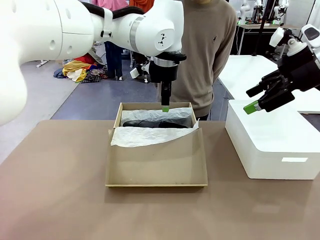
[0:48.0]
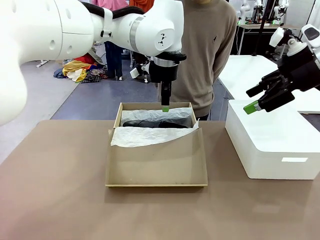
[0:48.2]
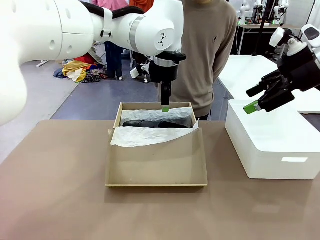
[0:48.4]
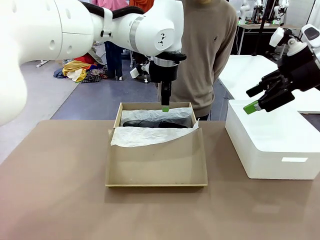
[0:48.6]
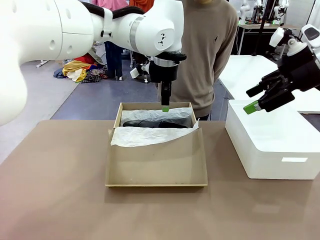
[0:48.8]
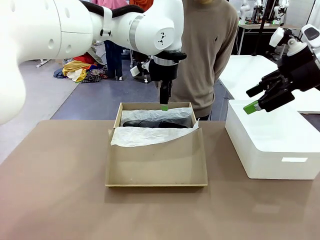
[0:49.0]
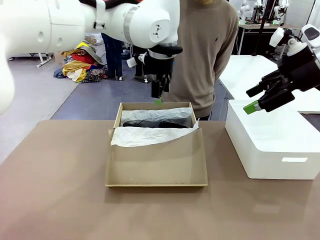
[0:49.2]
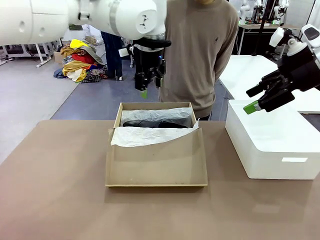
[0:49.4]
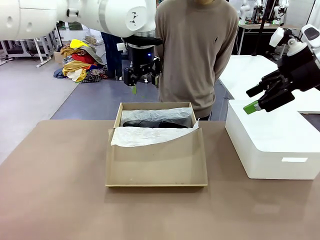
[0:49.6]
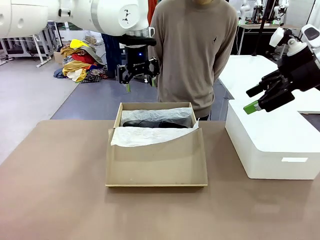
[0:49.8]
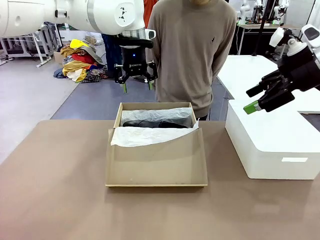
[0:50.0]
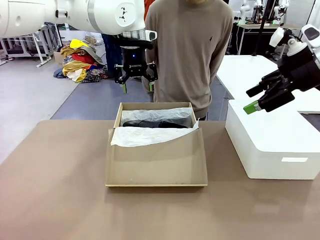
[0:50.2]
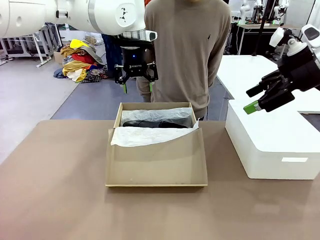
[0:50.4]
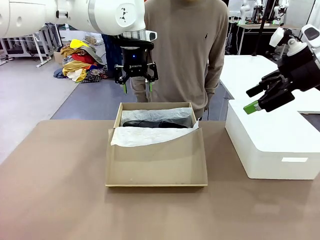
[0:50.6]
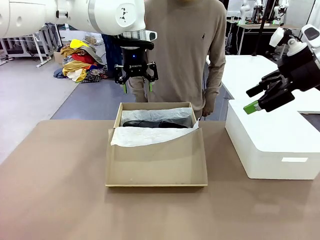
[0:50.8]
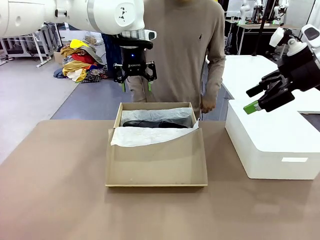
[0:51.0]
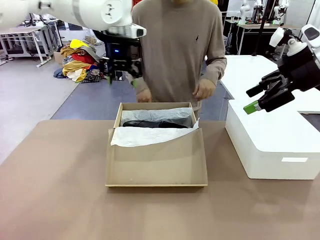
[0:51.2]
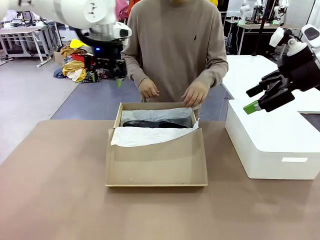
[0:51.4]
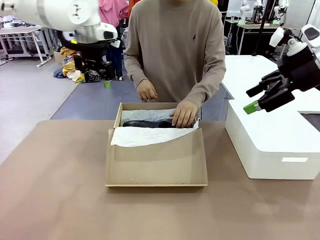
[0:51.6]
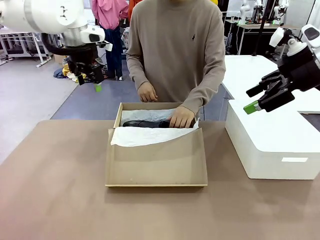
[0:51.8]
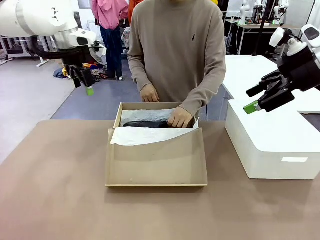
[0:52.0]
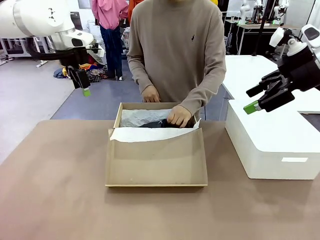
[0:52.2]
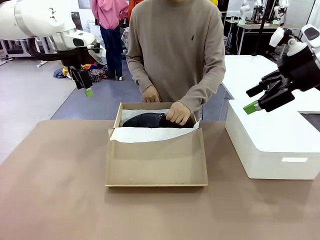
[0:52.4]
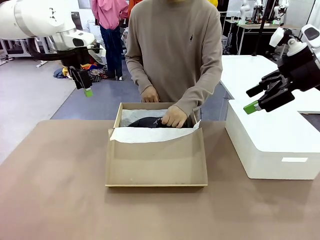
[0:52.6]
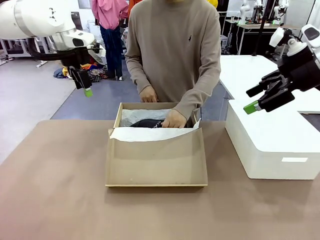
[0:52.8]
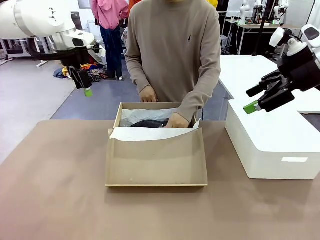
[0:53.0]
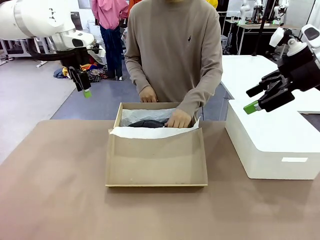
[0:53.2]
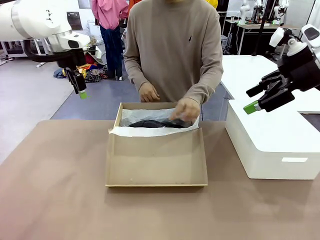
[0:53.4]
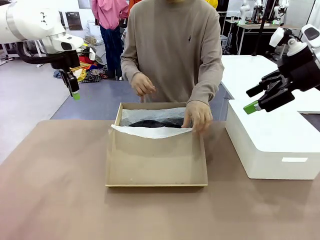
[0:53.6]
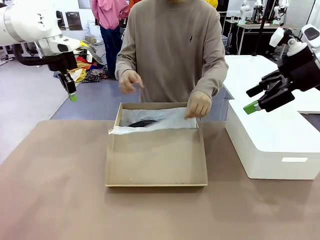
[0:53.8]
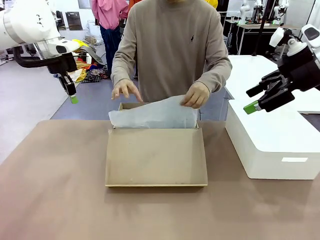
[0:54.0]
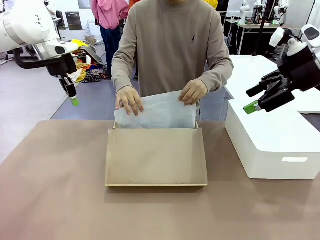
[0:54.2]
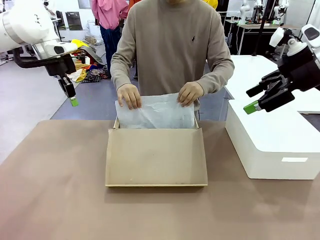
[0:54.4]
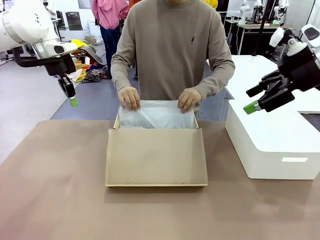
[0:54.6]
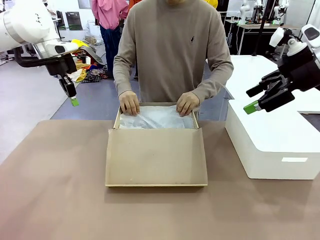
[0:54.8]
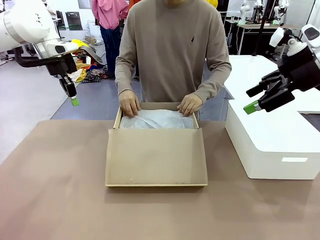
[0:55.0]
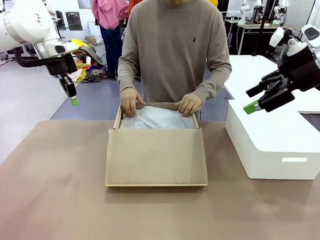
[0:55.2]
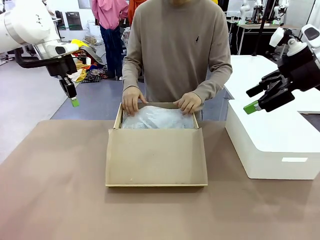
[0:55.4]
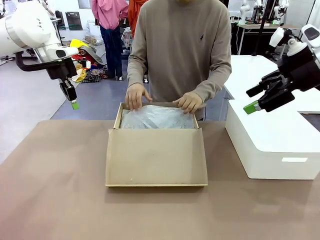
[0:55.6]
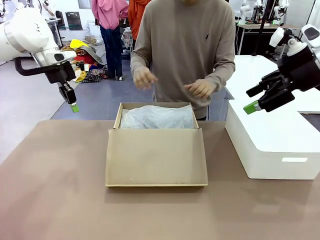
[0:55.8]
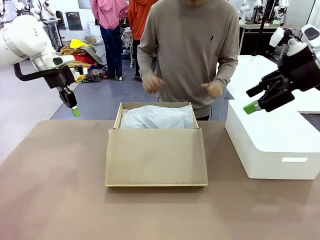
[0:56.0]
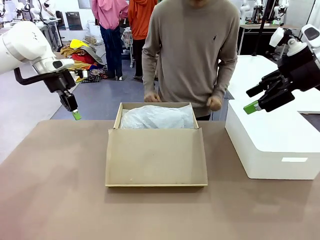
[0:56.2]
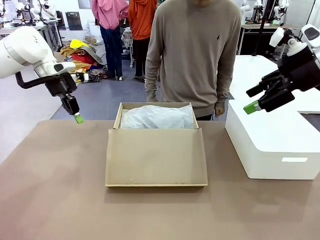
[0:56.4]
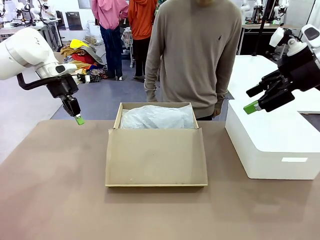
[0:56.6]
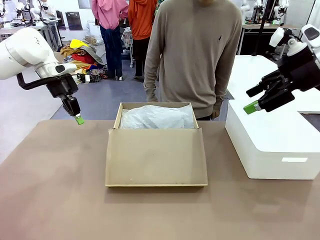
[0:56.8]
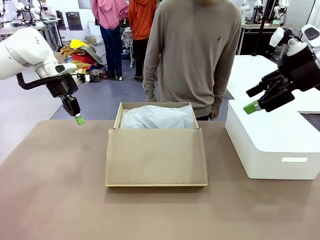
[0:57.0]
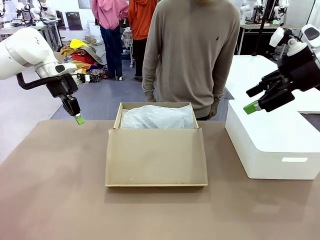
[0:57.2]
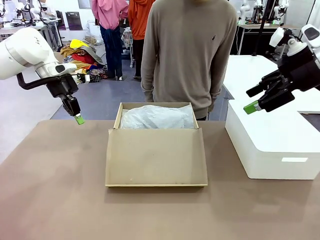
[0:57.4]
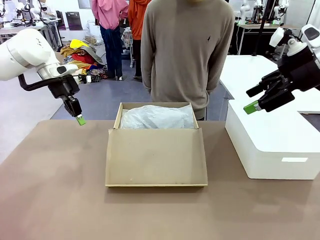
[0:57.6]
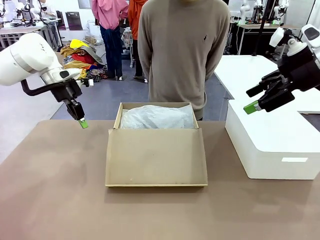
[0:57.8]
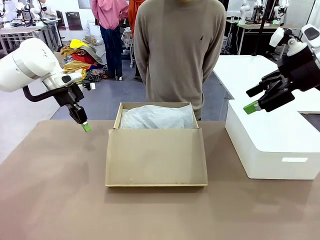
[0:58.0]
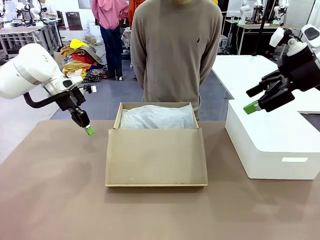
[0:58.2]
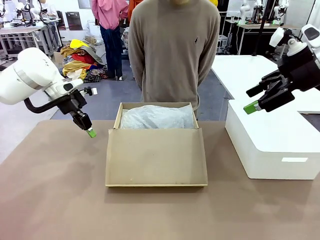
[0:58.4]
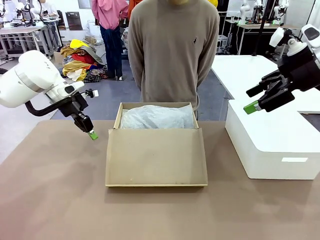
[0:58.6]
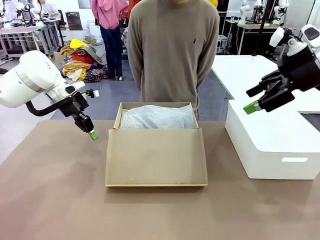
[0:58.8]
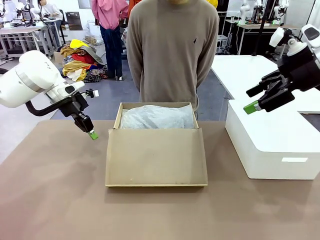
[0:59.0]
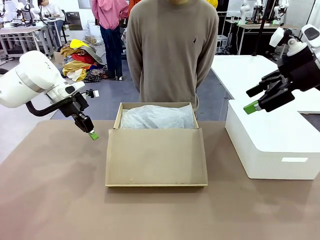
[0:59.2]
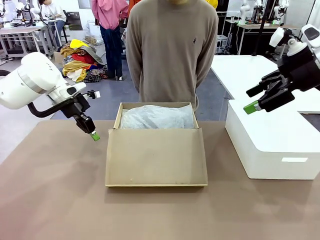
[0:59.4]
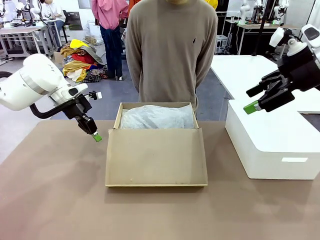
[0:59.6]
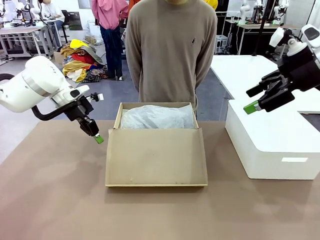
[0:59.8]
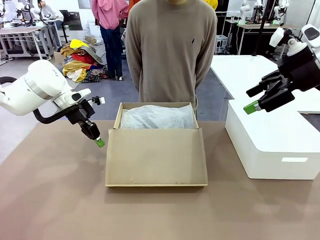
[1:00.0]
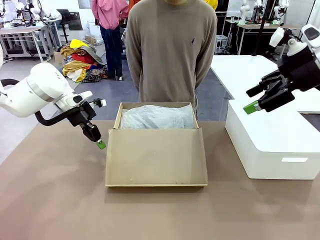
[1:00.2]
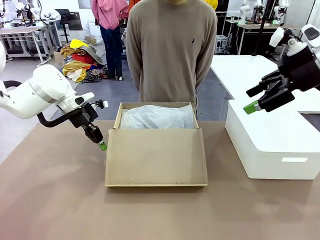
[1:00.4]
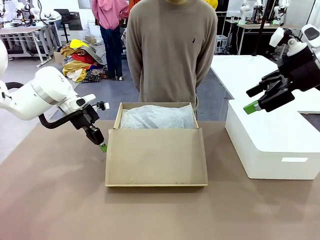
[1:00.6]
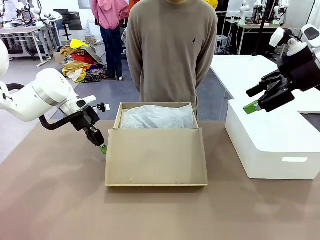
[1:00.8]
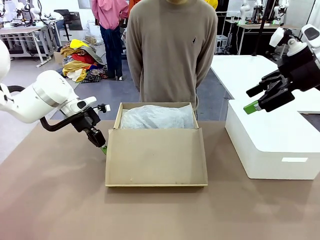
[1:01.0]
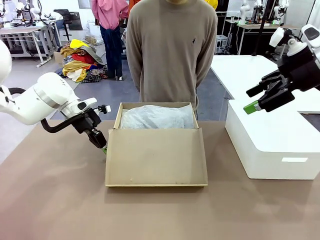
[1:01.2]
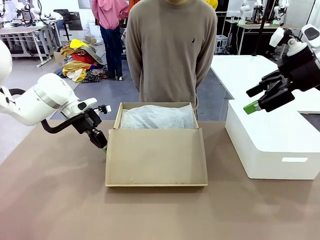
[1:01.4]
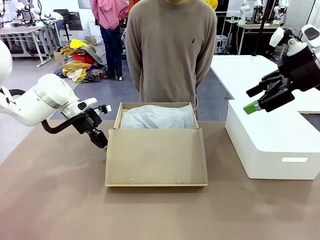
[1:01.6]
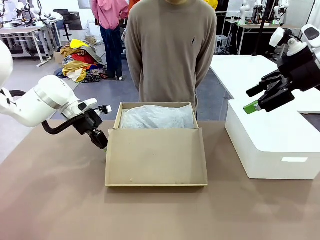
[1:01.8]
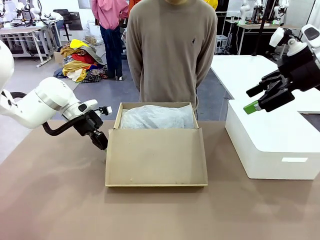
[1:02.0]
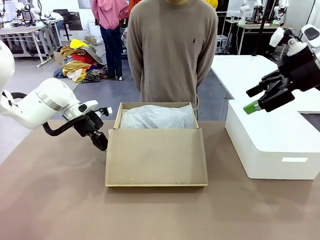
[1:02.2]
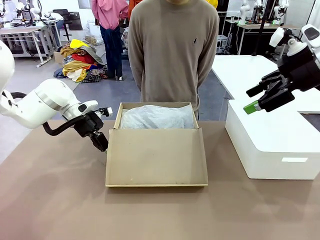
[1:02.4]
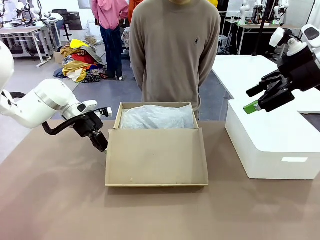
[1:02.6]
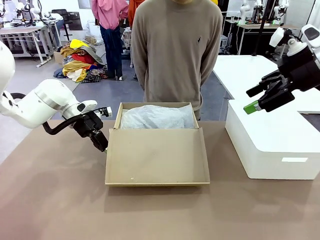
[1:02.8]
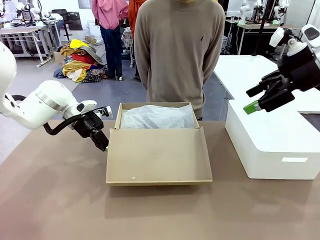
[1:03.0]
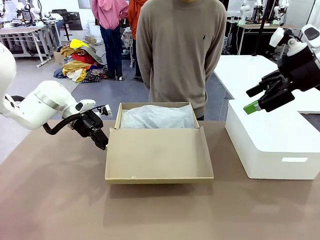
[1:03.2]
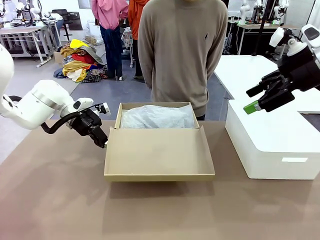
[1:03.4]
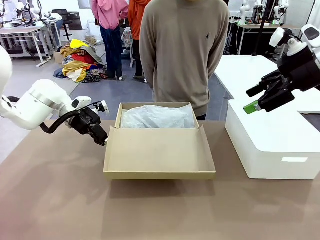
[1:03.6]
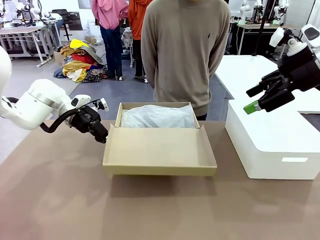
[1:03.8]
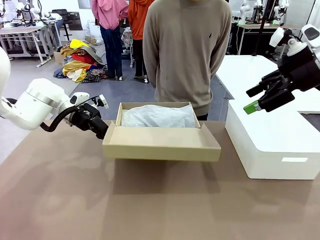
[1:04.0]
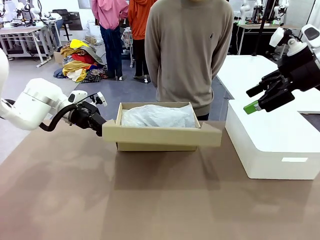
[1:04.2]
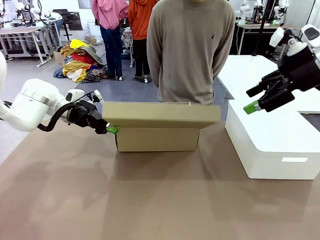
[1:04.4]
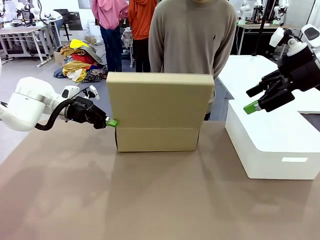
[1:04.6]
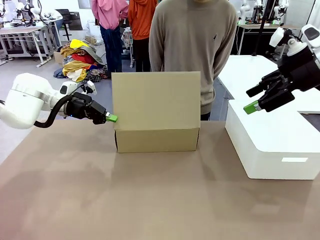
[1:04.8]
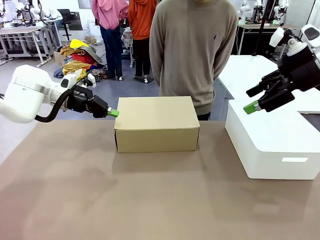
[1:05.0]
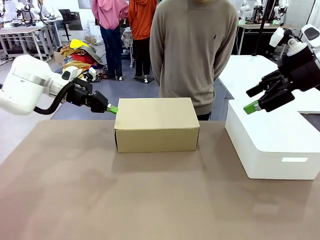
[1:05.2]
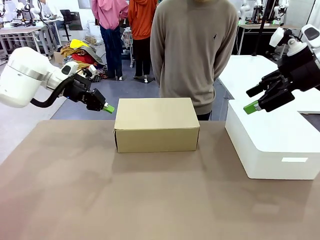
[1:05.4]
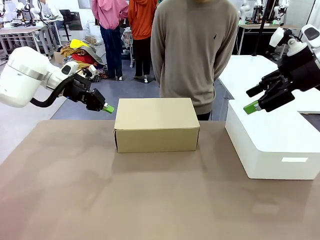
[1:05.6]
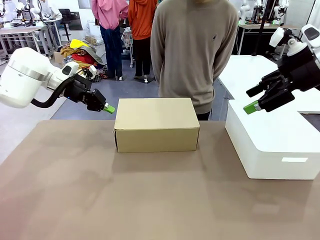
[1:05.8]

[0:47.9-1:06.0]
Task: Pack the shoes into the box.
Robot: Close the Shoes Box.

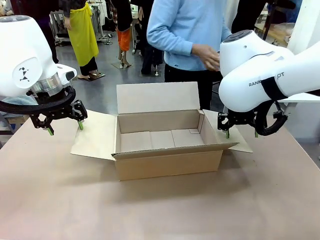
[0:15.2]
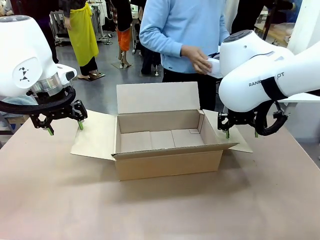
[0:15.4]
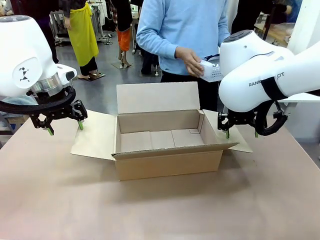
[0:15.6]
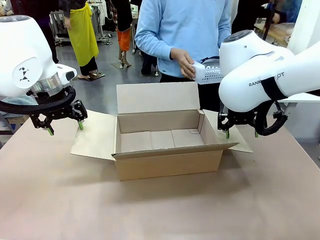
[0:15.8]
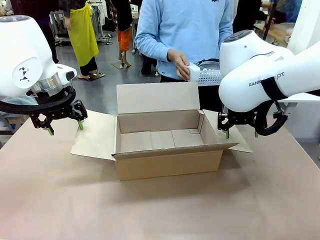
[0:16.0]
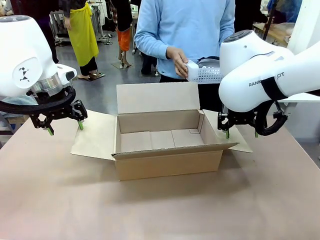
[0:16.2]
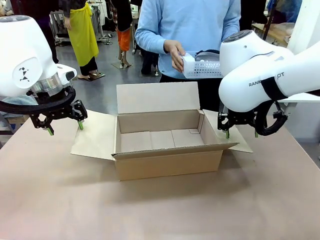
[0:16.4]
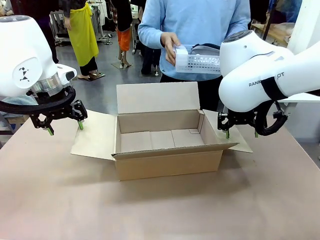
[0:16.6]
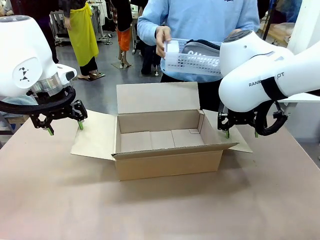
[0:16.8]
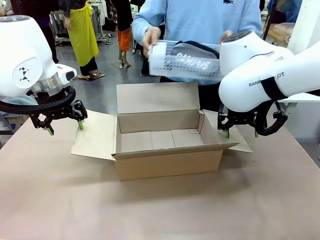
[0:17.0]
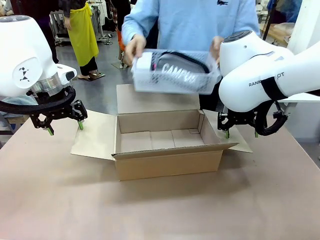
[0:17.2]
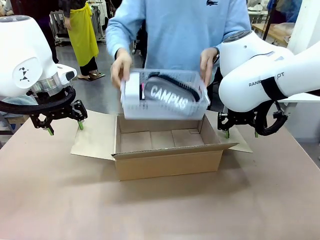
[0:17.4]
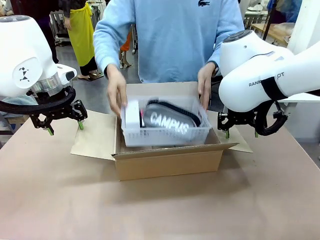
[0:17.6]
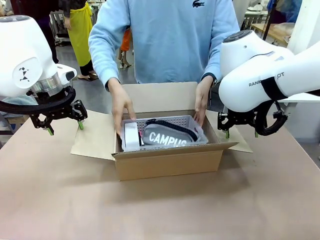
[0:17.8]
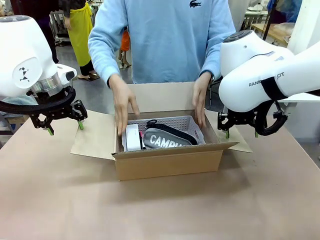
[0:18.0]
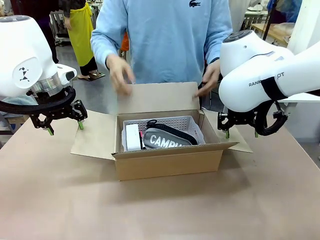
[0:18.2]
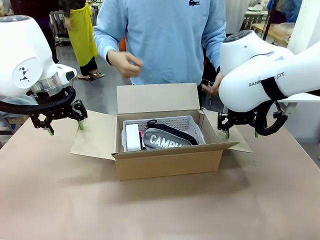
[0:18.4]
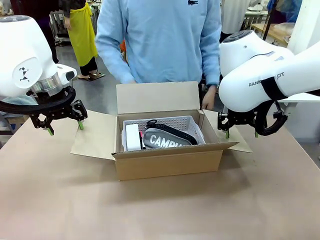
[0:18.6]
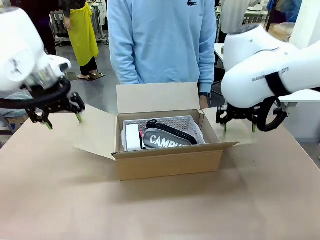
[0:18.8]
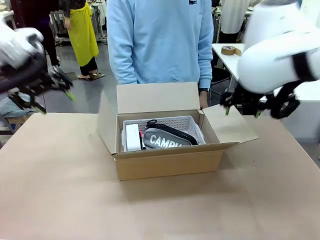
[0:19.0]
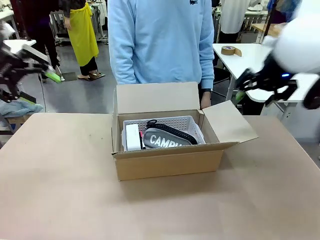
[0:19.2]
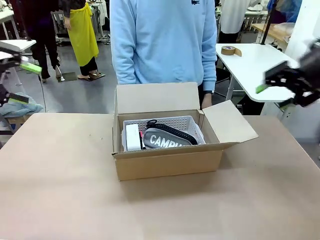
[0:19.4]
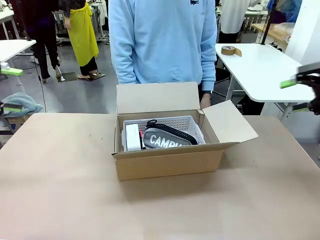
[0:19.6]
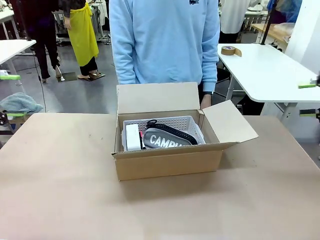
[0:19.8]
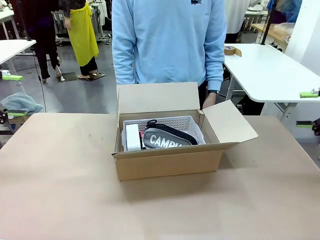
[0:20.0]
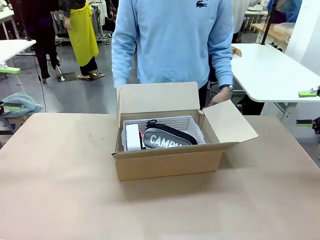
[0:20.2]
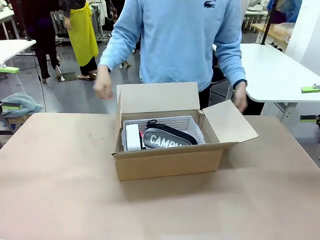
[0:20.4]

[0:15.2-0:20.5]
Task: Pack the gift set into the box.
Robot: Lift both hands away from the flaps of the Package Box.
Person: The human picks up the organizing basket and places the organizing basket into the package box on the robot table.
